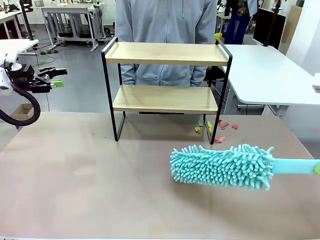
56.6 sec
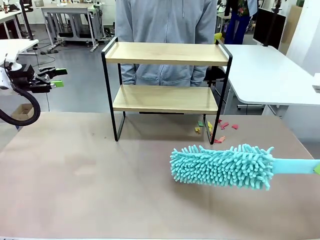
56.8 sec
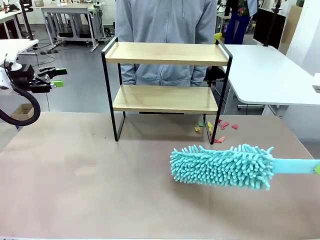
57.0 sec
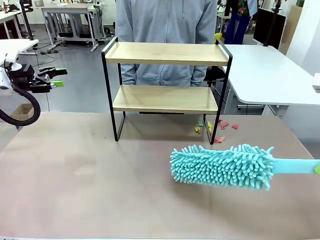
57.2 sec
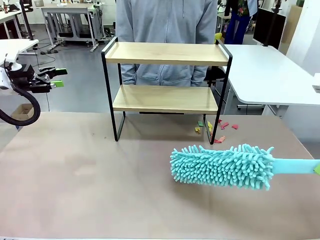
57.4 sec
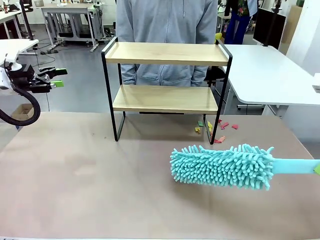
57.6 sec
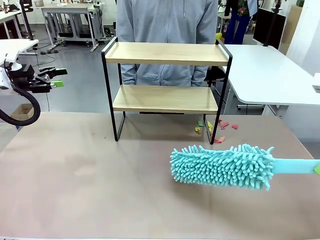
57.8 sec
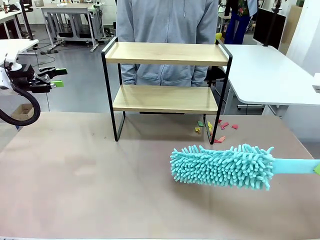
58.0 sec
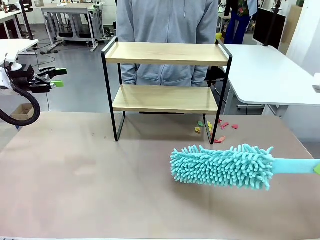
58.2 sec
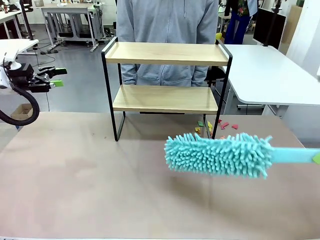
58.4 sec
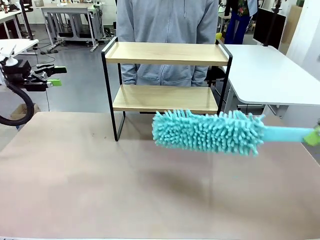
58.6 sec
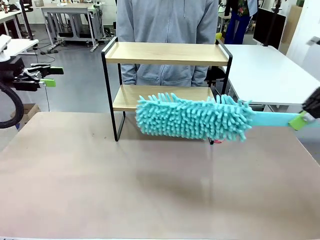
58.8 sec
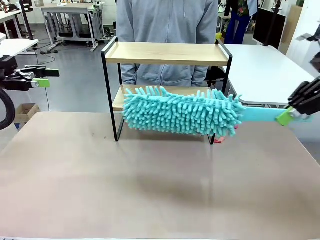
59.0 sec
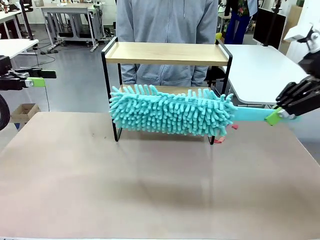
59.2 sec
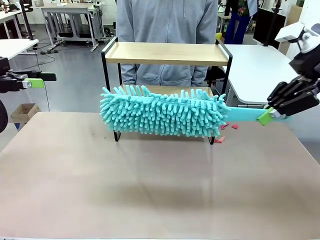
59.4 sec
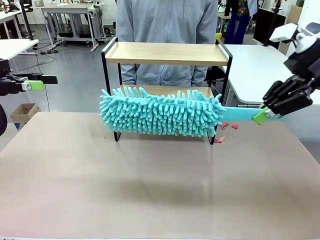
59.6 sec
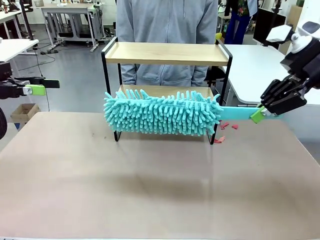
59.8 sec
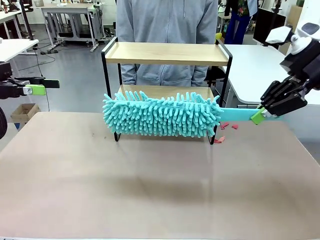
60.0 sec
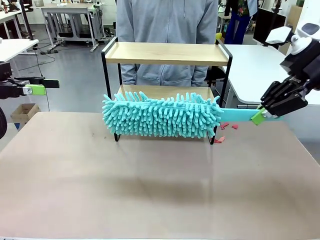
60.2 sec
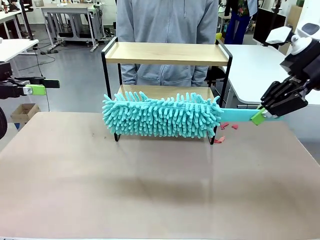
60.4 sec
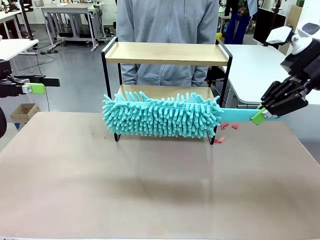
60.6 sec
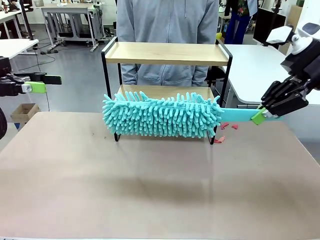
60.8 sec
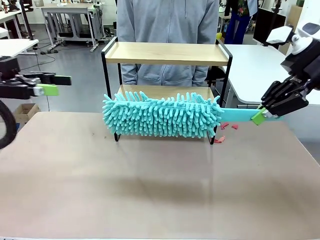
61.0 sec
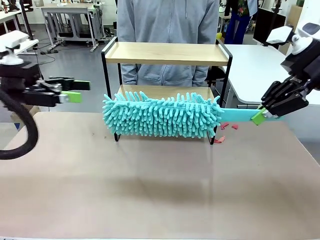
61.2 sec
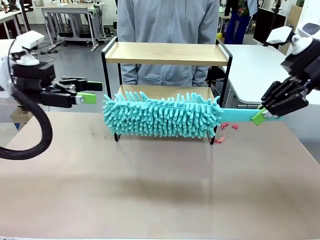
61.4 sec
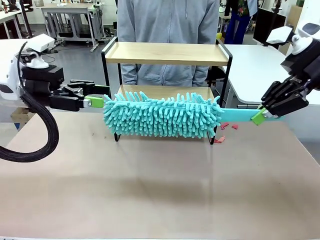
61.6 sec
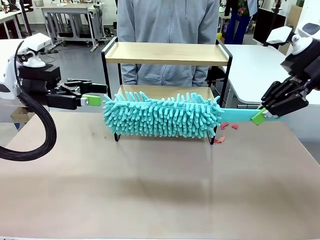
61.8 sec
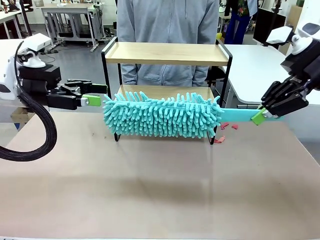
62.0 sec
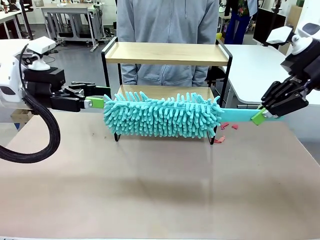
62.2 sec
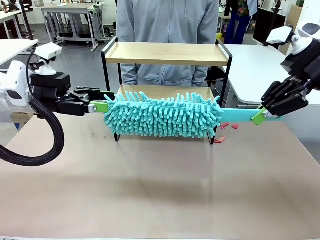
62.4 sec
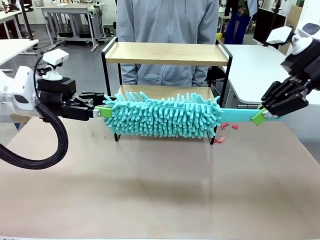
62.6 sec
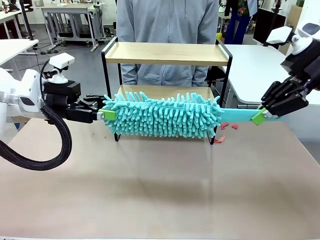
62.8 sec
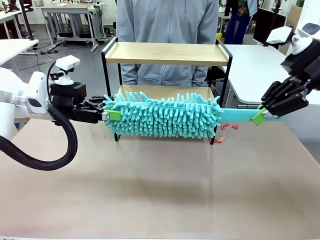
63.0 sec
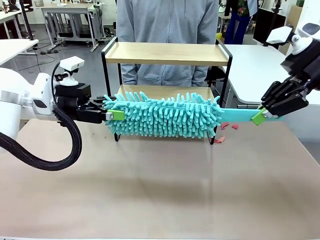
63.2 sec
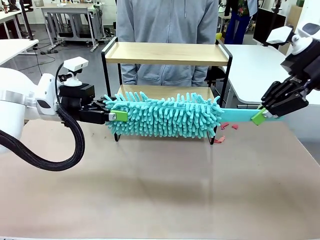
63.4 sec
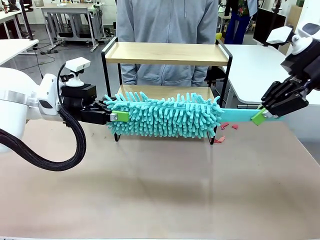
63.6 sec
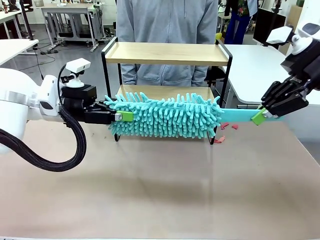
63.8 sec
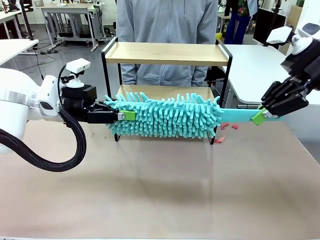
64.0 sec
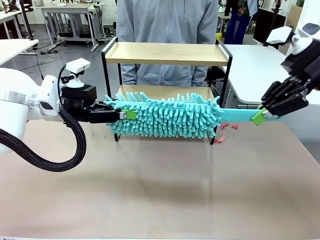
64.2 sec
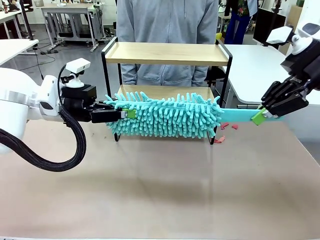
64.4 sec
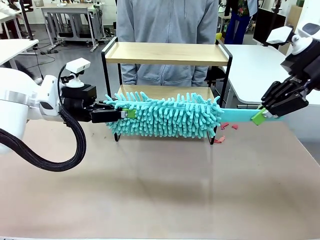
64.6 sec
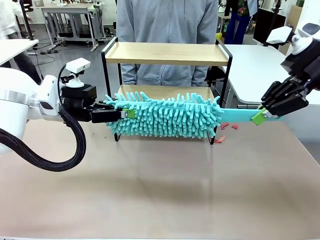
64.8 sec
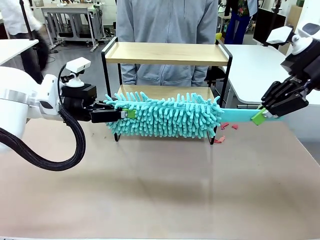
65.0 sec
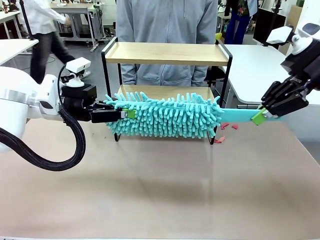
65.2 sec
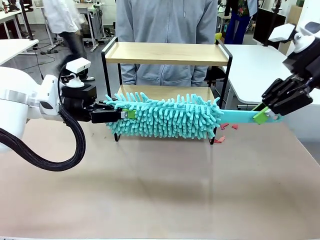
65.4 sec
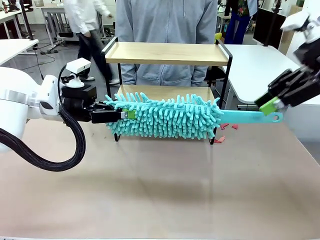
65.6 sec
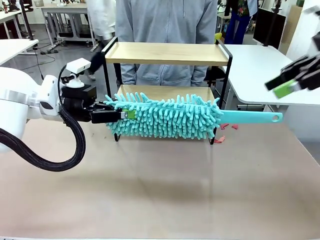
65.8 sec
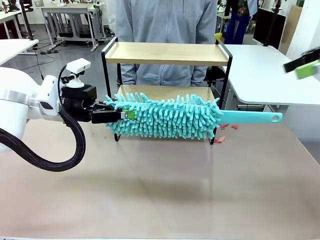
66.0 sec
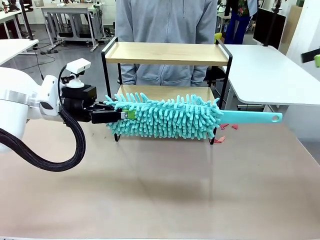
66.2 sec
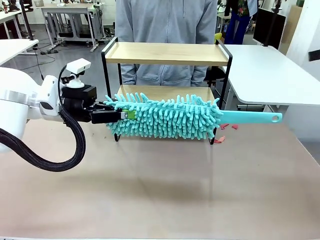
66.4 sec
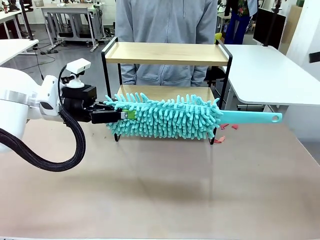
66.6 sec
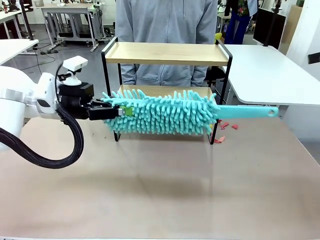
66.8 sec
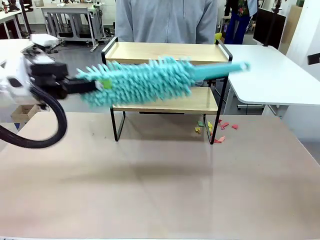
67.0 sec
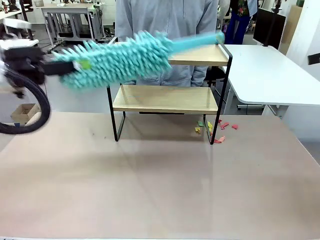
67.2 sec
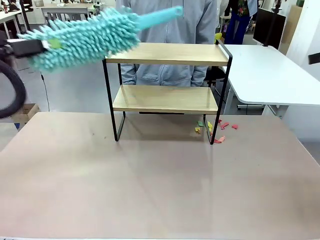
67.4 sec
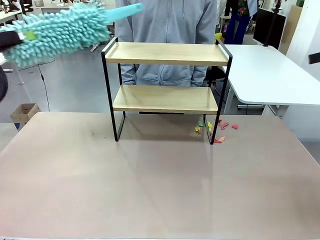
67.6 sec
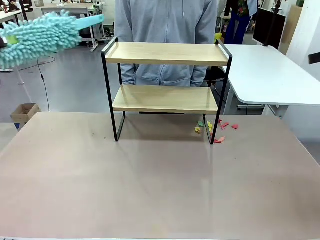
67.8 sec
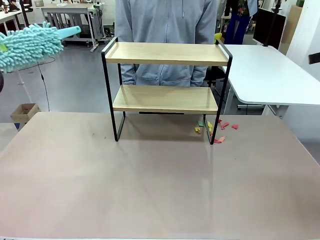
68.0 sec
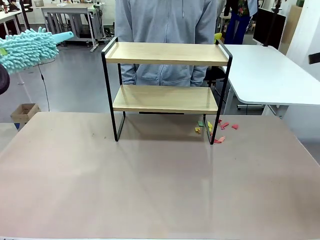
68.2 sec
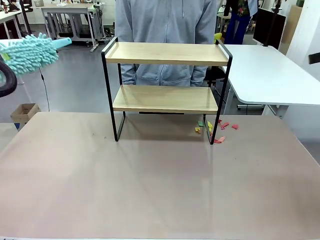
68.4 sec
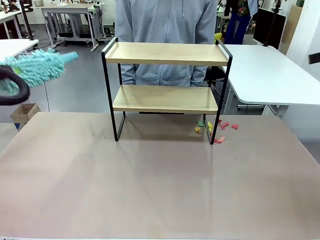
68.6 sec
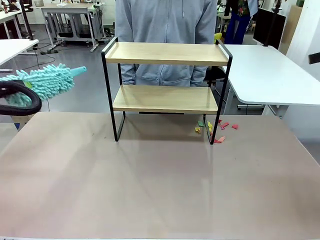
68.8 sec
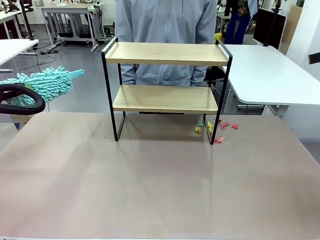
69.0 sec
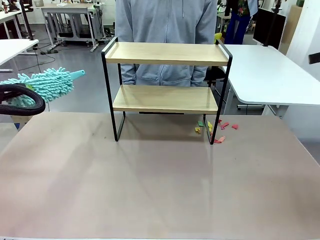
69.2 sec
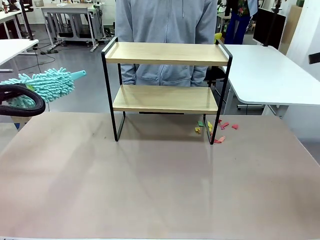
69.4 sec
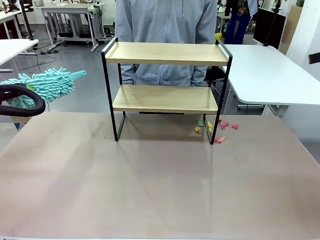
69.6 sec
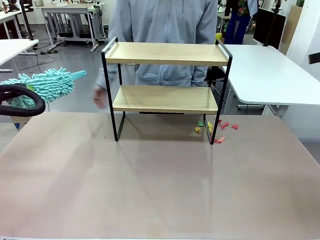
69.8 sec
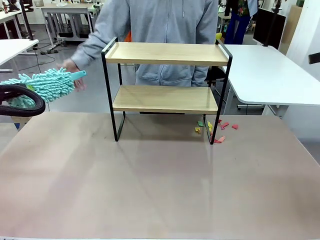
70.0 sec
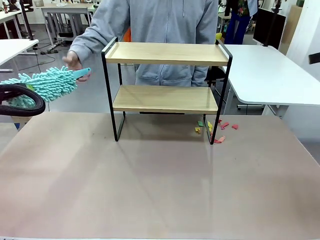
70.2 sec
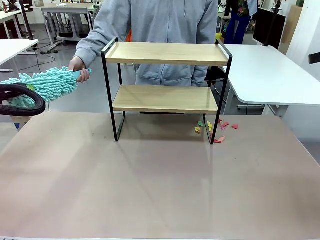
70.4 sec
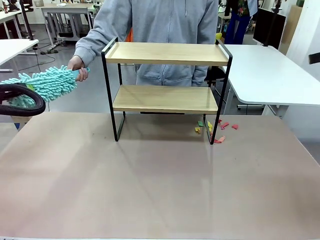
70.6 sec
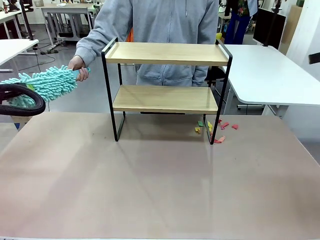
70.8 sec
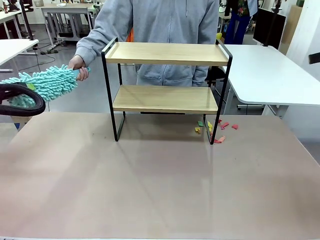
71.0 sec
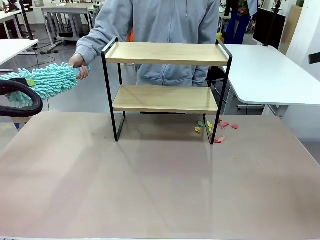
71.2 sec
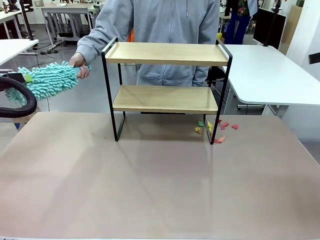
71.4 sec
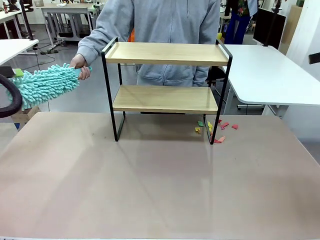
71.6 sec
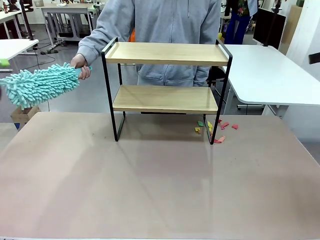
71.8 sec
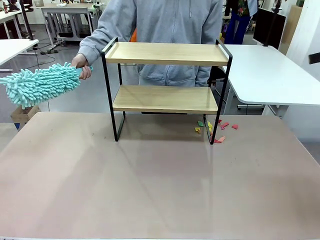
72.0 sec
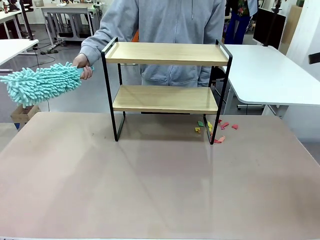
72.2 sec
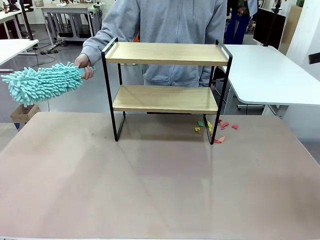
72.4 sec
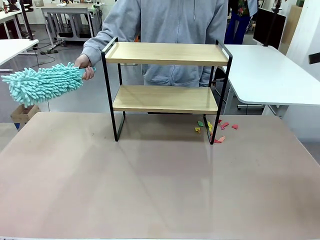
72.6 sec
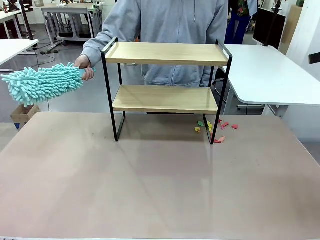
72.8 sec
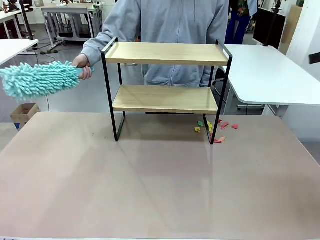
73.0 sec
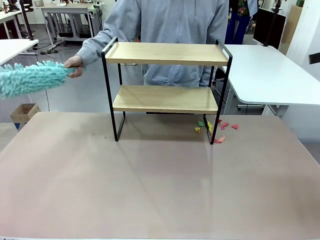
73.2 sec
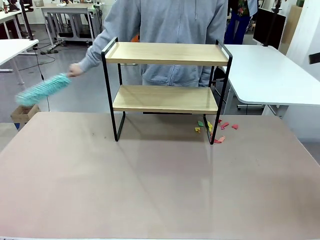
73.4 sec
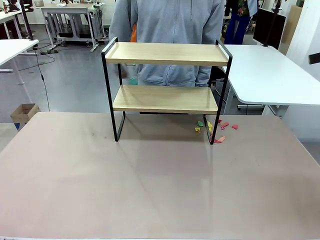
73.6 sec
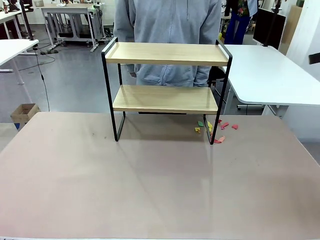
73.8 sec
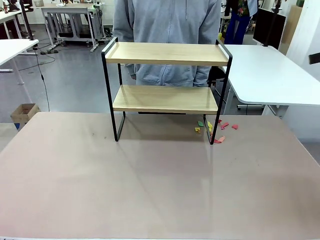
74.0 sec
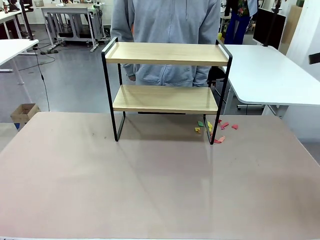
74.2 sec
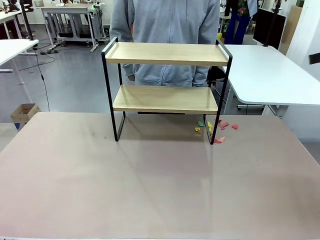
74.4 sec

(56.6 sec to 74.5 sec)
Task: Clean the shelf.
Robot: Hand the Duster back to the human.
Person: Receive the Duster from the robot.
